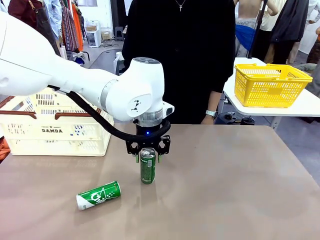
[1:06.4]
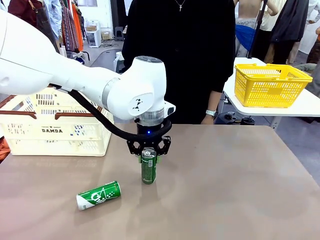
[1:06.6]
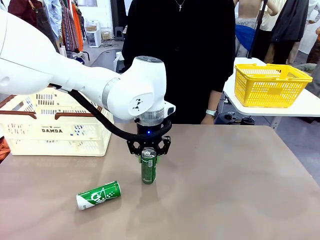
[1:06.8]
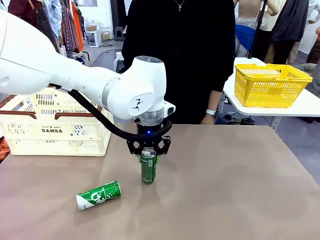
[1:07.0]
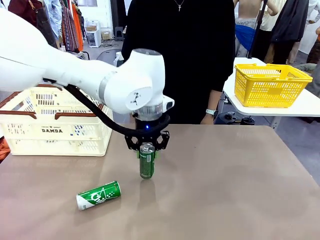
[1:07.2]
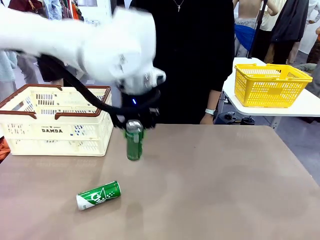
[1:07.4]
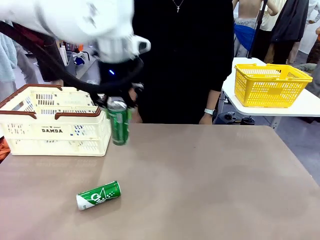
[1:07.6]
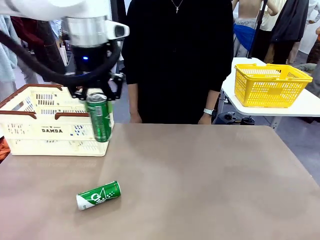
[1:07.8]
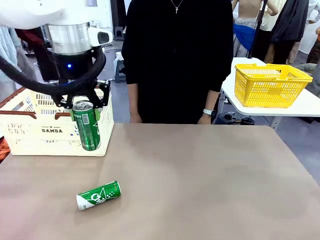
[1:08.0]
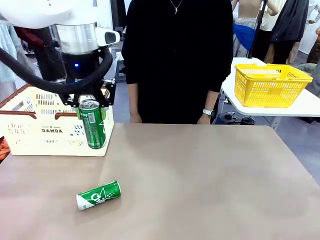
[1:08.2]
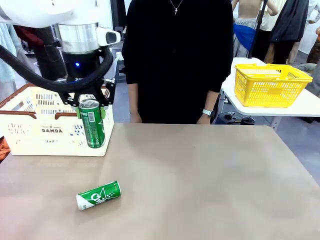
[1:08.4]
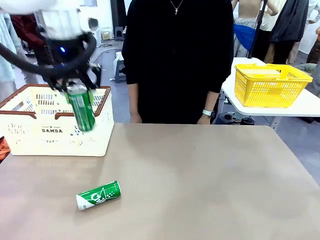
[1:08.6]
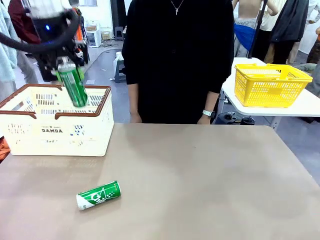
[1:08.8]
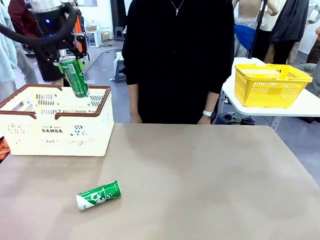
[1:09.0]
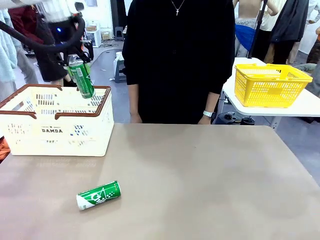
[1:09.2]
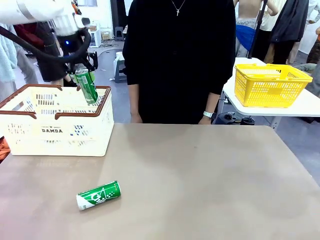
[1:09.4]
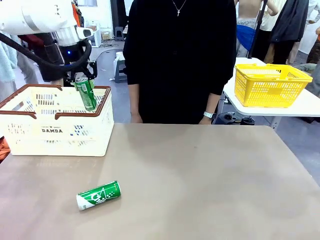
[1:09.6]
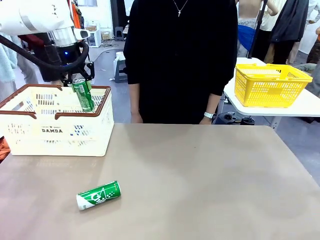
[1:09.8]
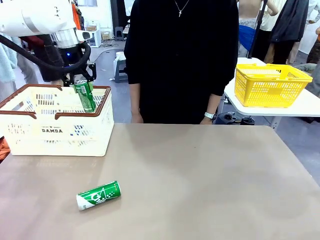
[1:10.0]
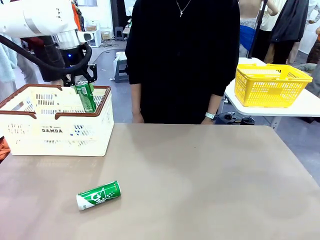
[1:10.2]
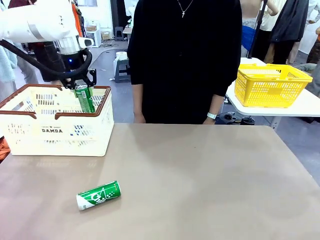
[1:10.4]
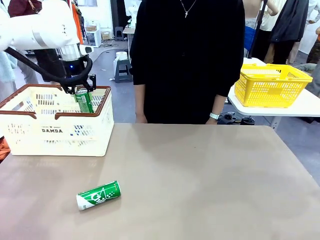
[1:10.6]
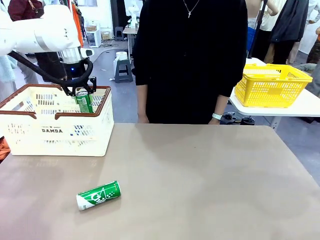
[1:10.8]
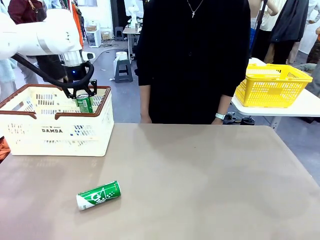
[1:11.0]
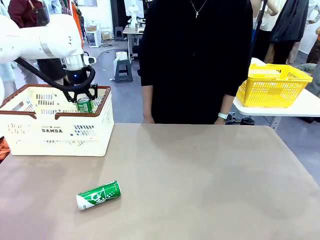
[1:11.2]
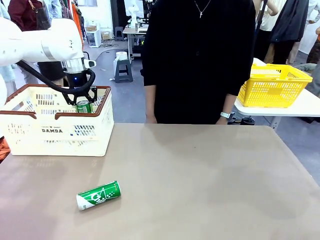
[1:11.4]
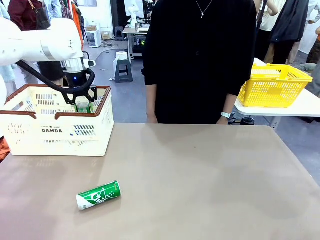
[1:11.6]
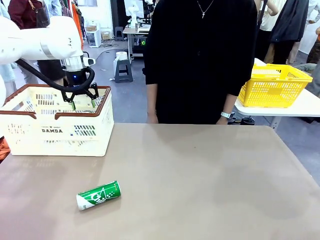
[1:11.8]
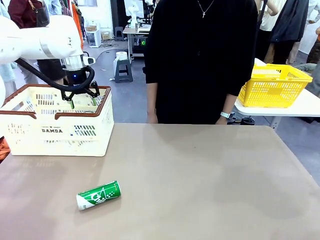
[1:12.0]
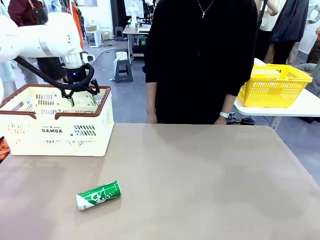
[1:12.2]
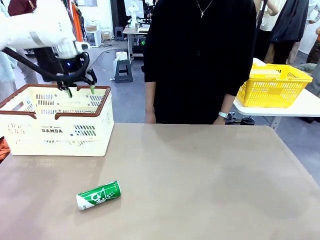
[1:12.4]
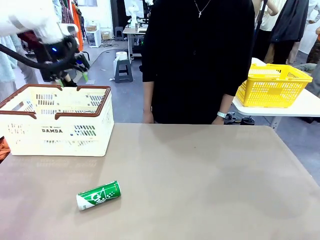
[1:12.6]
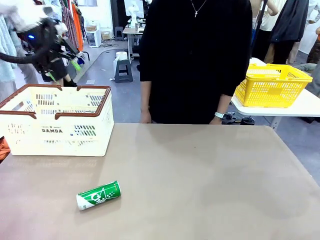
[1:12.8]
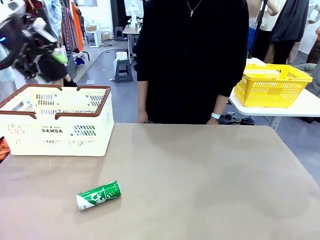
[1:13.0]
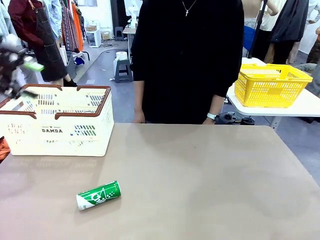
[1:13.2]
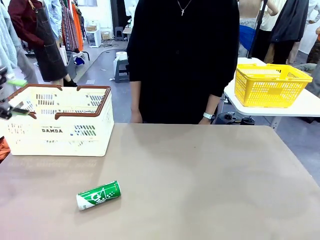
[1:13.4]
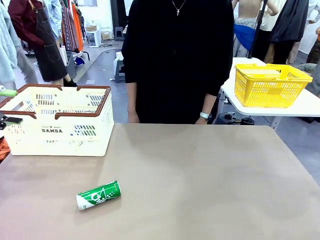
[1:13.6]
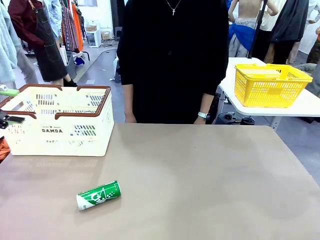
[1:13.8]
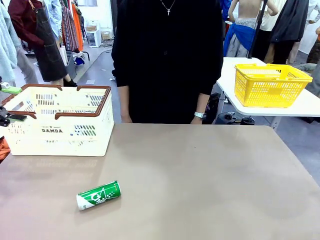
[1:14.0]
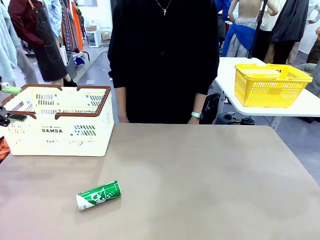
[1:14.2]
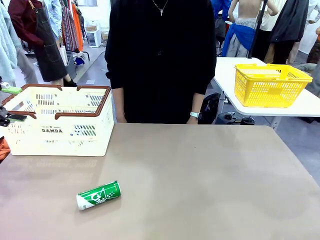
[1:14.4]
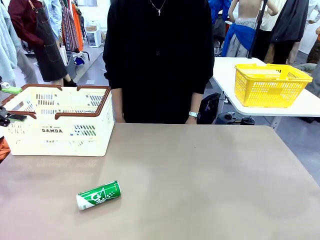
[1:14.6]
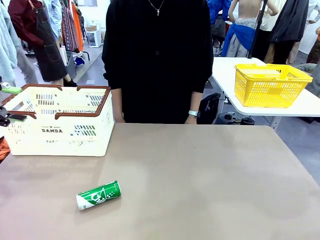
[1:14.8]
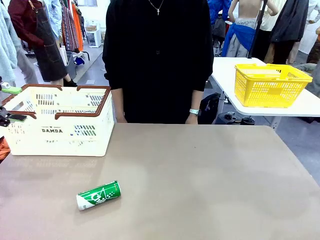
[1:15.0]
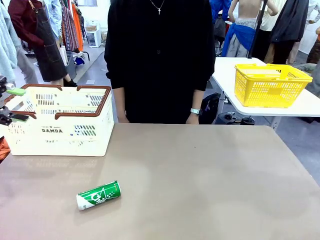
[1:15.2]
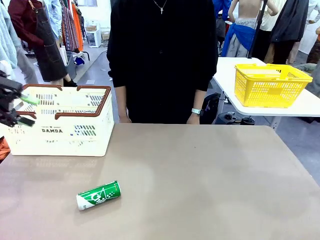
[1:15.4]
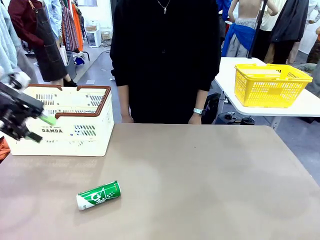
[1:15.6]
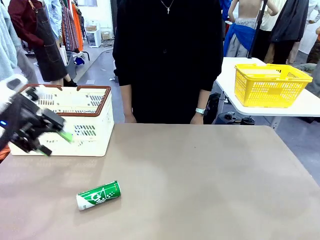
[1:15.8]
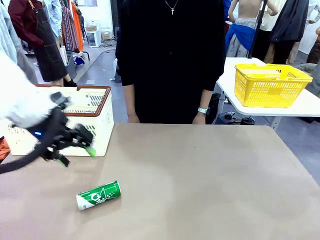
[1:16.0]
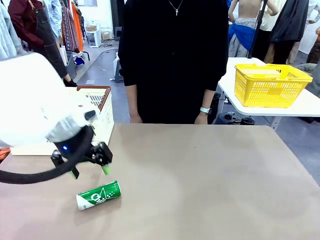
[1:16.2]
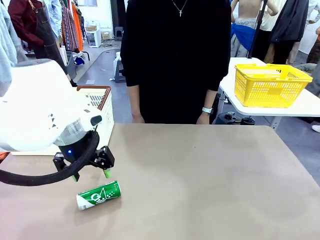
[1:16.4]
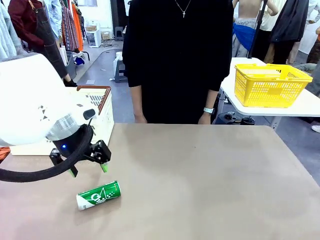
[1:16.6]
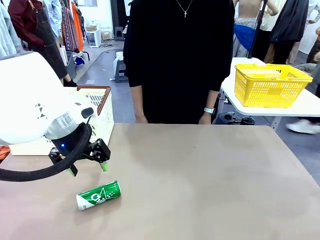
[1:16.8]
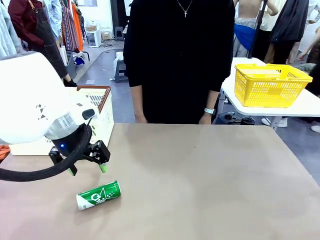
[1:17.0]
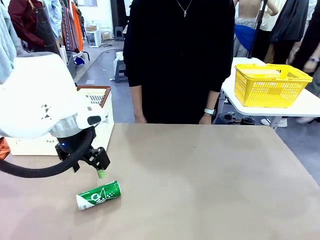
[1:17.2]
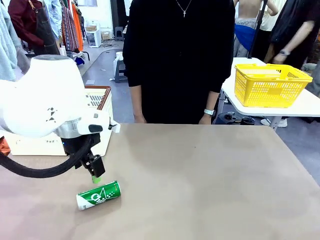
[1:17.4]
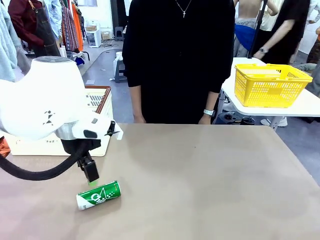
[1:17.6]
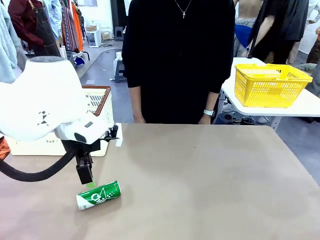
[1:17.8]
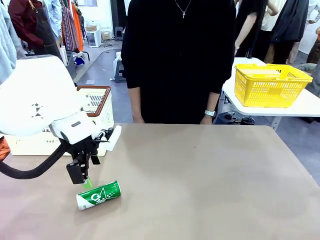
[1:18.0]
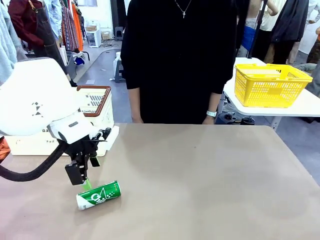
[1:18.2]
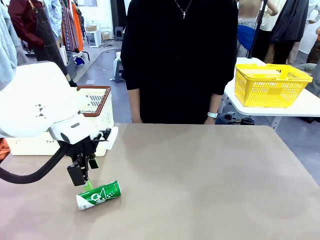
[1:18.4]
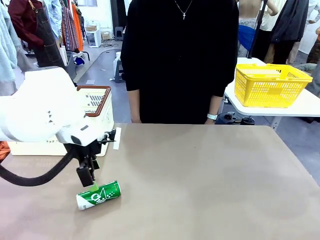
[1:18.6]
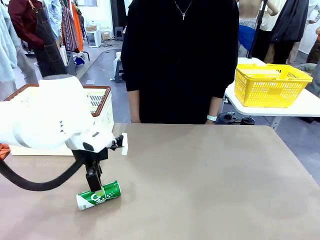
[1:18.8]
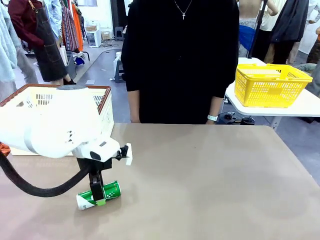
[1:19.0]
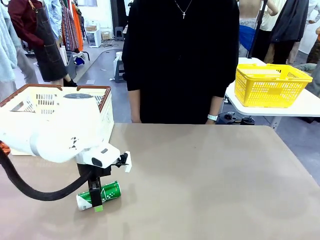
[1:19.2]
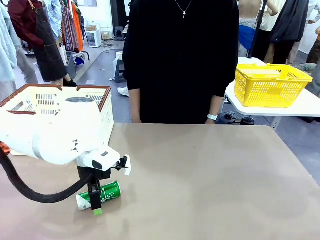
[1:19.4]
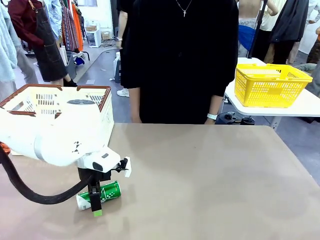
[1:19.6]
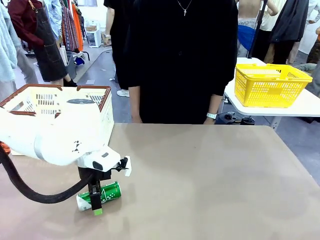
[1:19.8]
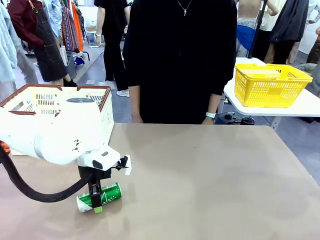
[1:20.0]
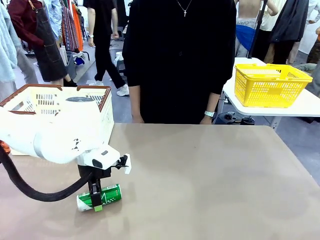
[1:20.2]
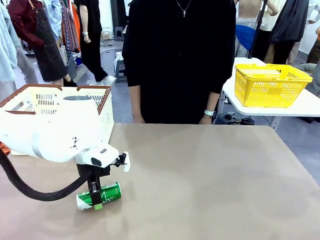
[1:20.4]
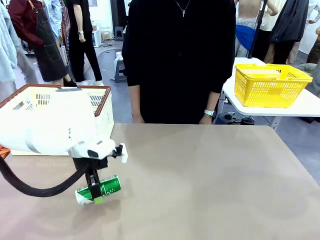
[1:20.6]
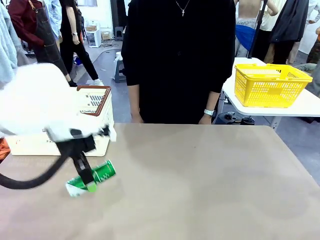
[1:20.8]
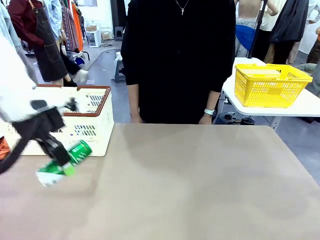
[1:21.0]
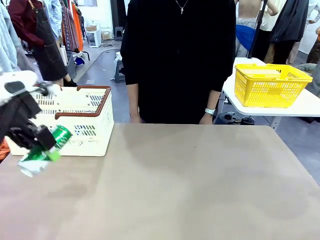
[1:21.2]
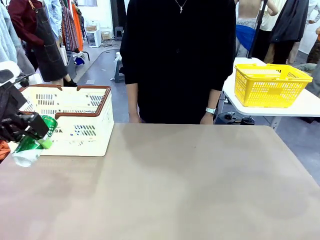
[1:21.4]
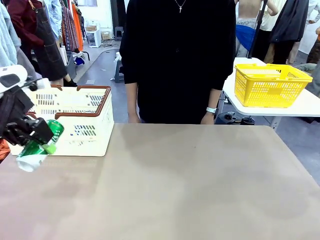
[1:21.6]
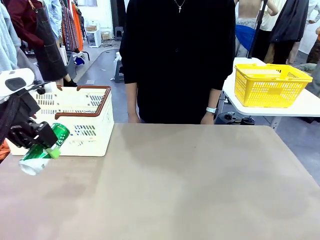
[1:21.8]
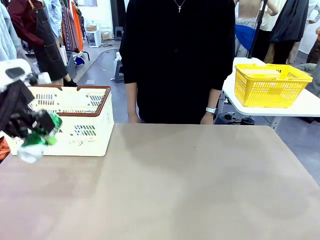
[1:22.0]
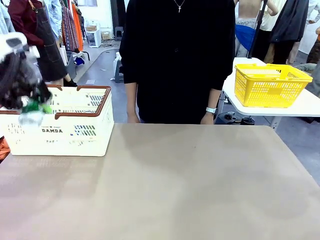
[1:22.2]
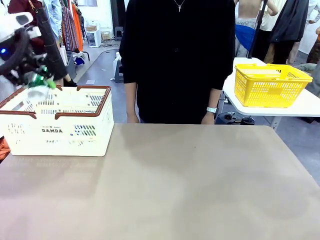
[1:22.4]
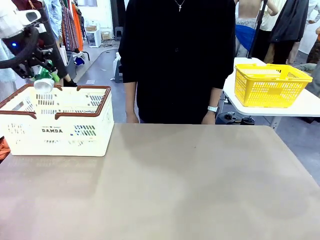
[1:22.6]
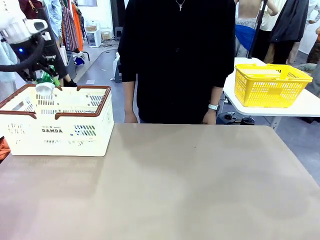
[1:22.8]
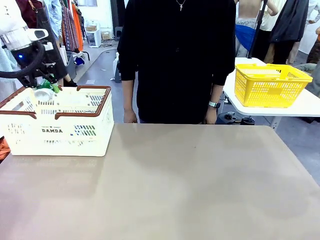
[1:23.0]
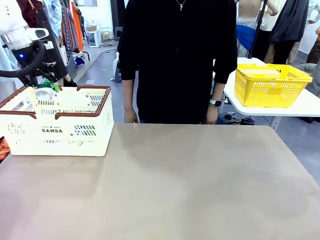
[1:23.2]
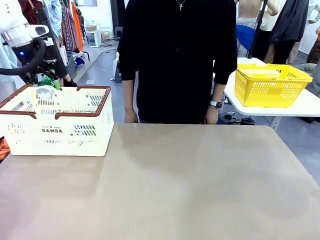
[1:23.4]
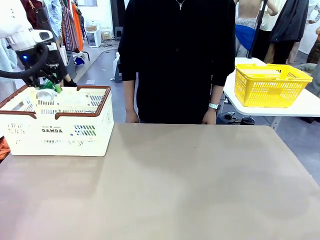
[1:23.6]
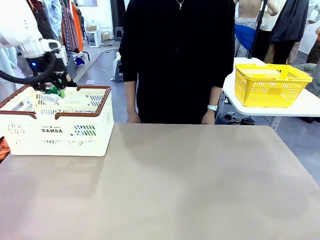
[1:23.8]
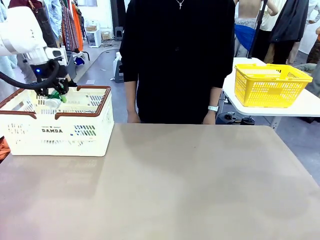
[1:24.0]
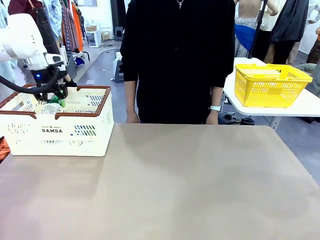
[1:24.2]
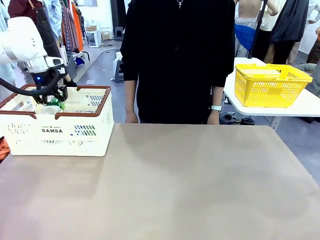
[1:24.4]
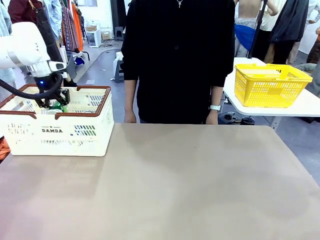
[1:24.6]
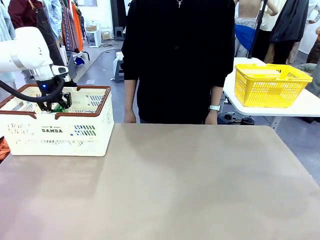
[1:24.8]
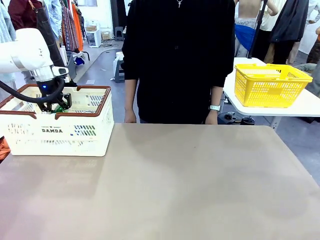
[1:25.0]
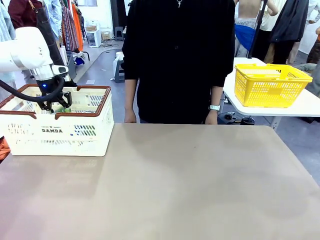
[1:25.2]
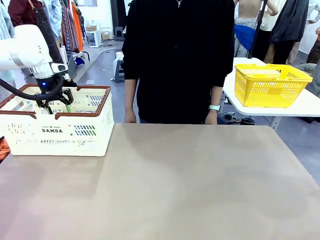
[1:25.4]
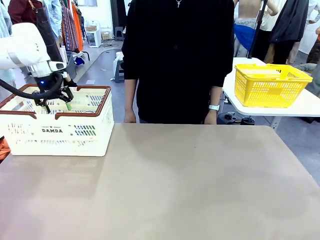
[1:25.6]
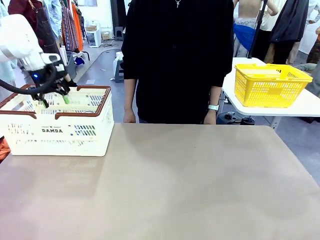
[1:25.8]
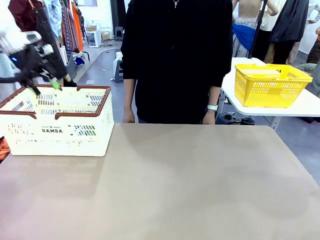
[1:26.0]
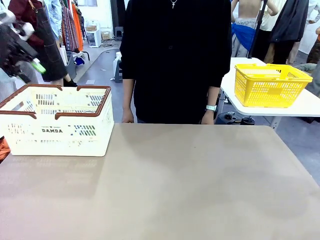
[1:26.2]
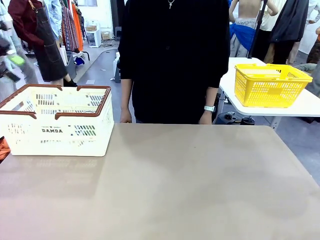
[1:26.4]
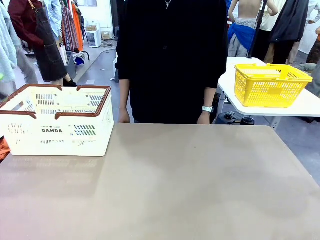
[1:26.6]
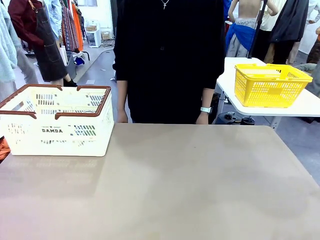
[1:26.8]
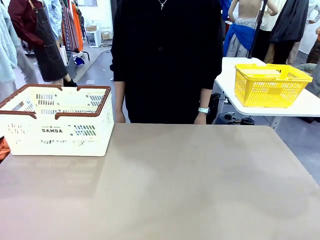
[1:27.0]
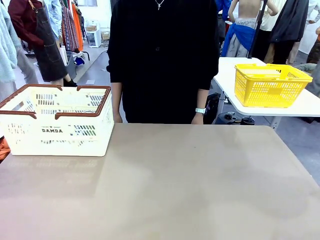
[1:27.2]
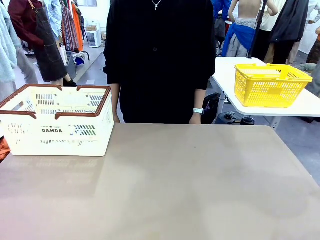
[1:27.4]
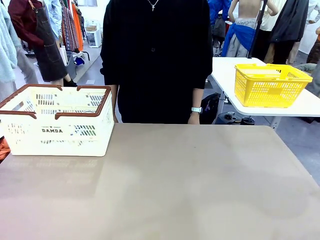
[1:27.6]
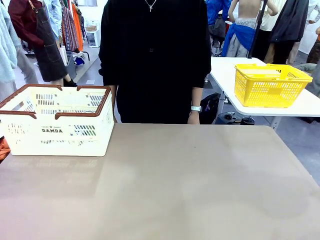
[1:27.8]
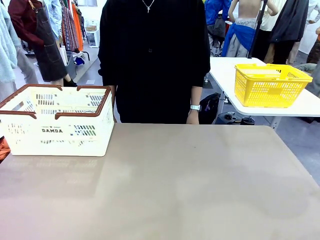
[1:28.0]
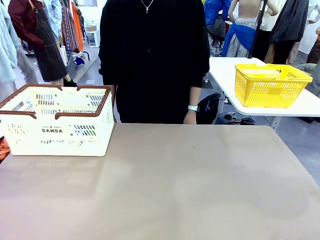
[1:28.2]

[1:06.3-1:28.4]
Task: Place the drinks into the Shopping basket.
Robot: Pick up one drink and place it into the Shopping basket.
